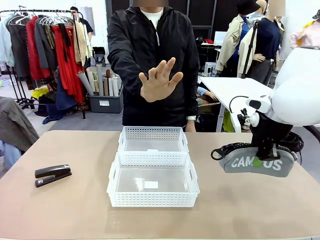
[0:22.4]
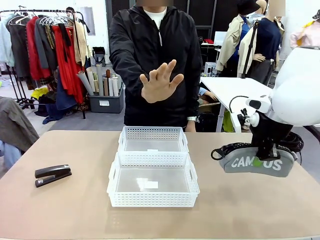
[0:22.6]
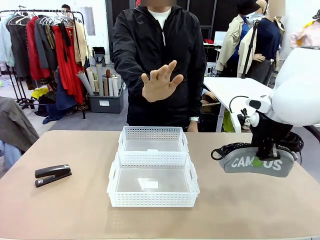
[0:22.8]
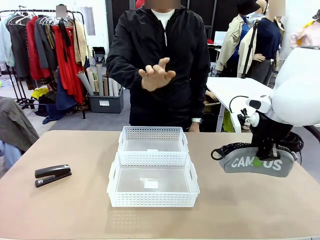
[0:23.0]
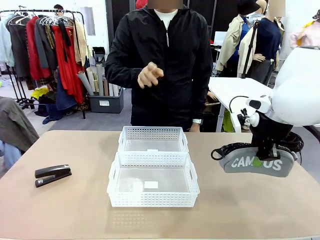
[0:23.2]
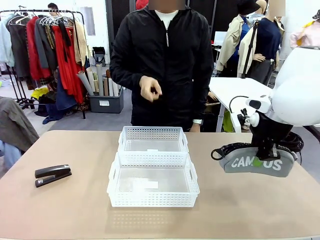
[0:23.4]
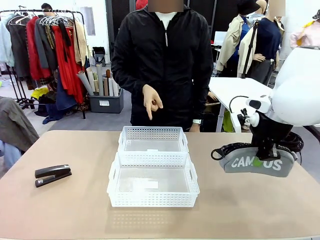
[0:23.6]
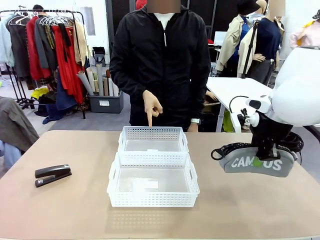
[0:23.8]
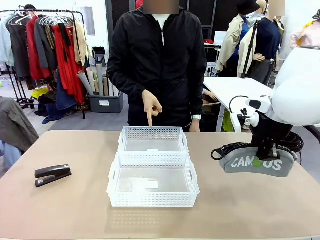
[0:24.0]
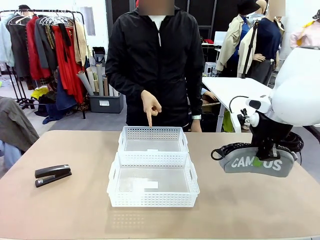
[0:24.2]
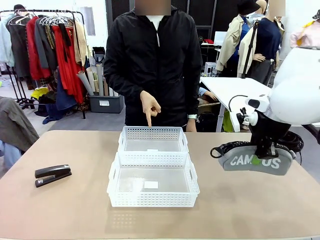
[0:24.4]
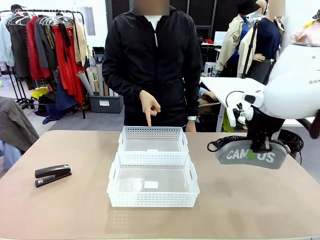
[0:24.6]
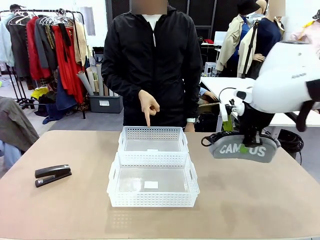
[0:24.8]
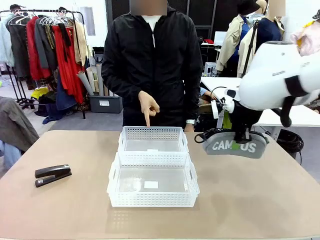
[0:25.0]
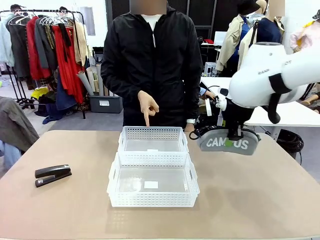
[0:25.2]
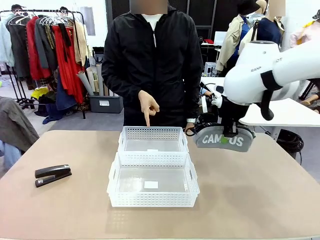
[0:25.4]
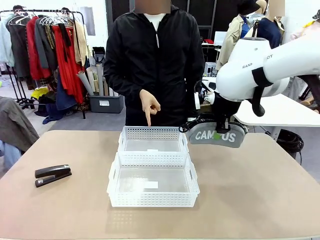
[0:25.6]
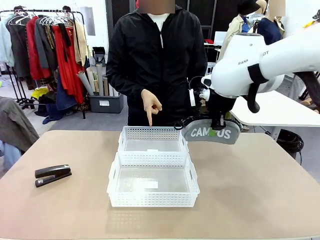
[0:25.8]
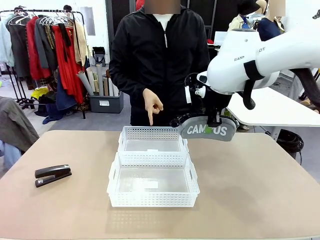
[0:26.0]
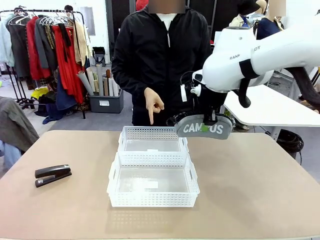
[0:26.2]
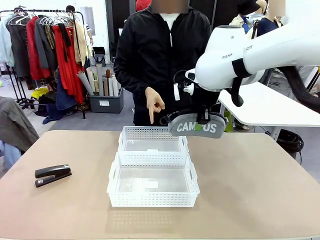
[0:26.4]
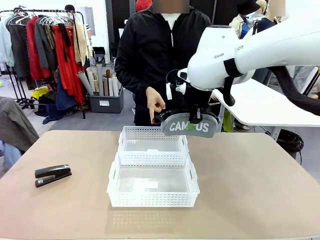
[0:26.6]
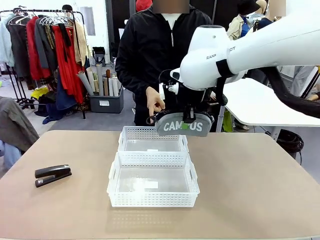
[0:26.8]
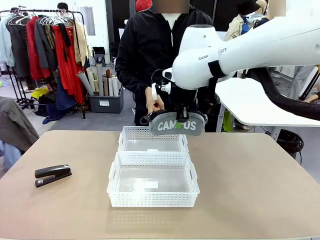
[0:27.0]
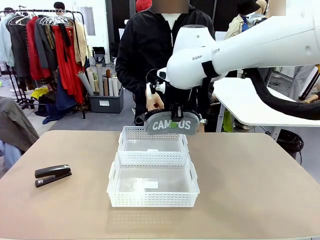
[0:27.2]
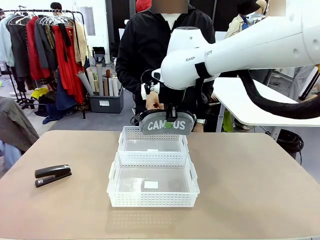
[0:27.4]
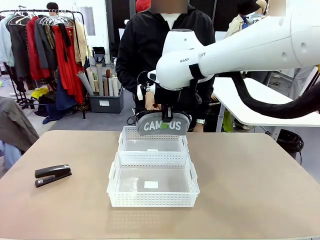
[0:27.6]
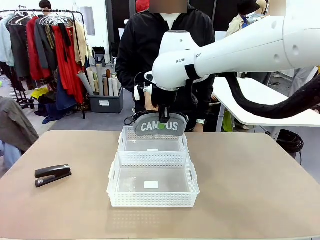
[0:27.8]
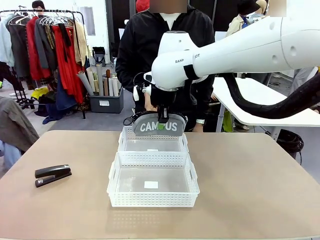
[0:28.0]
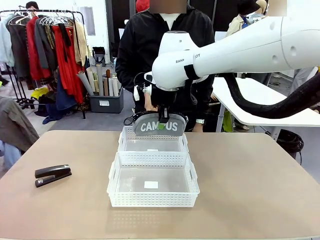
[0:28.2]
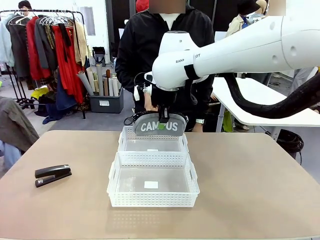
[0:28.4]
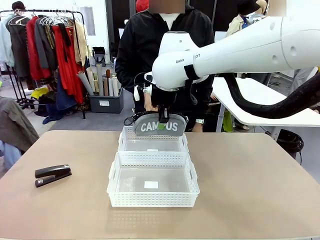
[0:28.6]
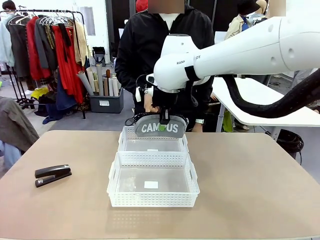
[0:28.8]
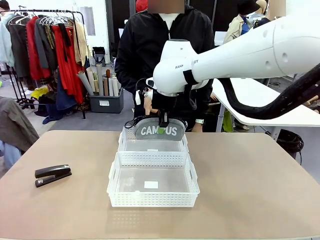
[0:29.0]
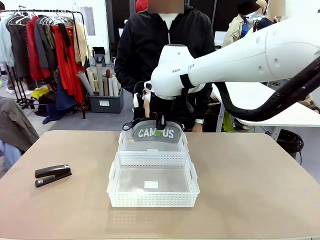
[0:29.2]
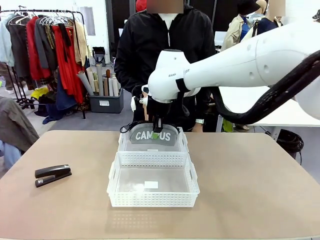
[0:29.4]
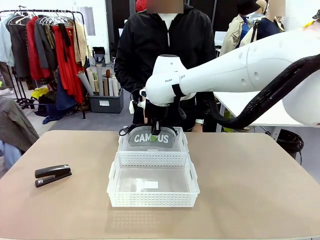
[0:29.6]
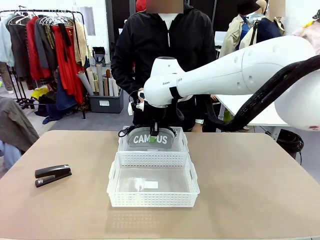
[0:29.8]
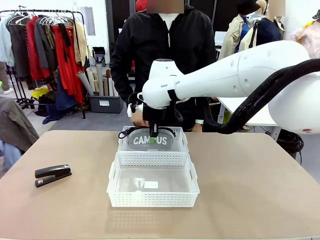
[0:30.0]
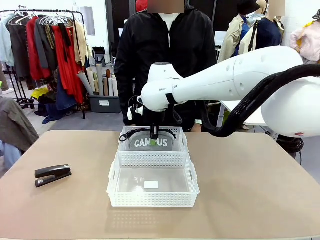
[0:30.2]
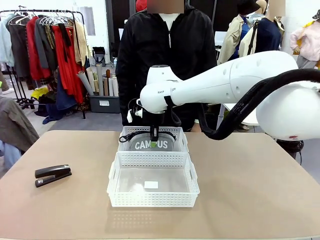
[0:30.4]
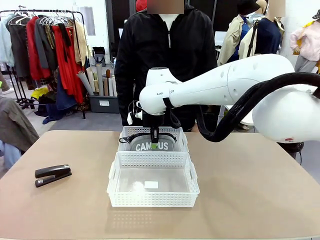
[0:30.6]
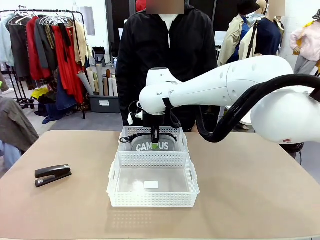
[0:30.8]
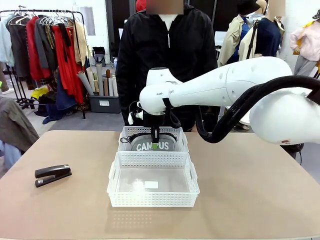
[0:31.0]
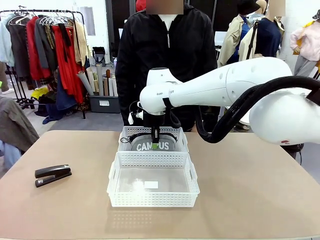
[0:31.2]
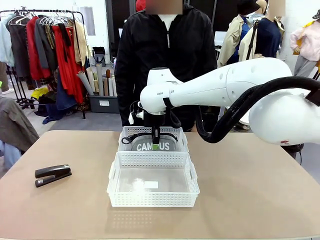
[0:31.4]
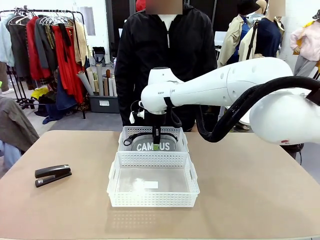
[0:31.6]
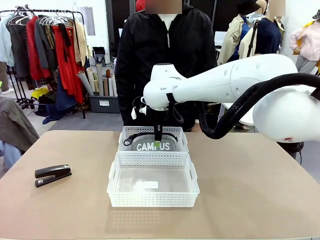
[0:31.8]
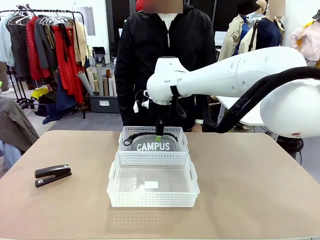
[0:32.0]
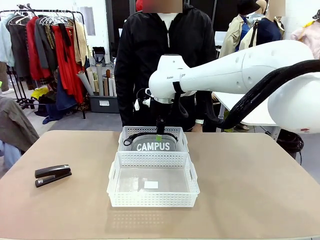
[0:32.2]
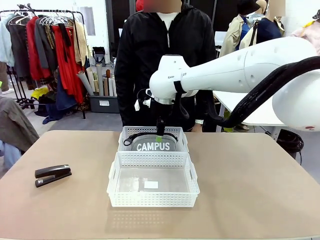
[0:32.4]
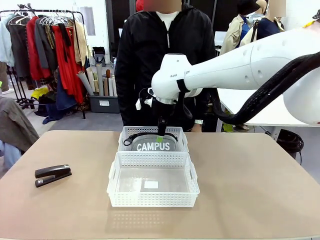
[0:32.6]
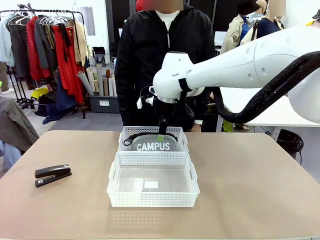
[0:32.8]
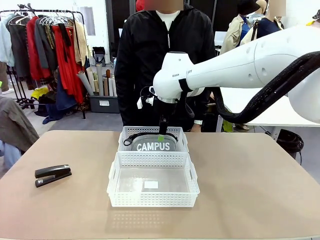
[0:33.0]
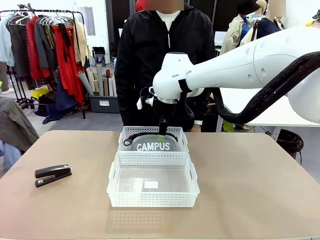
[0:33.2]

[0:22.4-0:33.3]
Task: Distribute items into two baskets.
Robot: Place the picked Pencil pouch into the Organizing basket as instructed by the person.
Person: Instructs the robot to place the pencil case into the opposite basket. Points to the stapler.

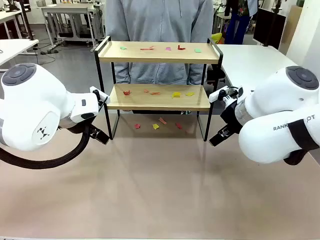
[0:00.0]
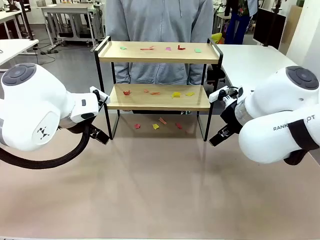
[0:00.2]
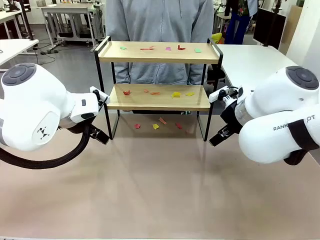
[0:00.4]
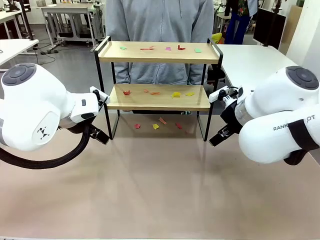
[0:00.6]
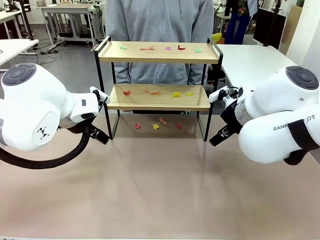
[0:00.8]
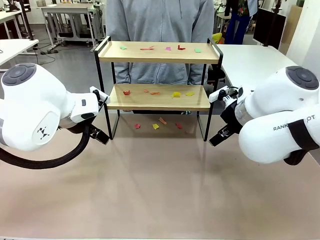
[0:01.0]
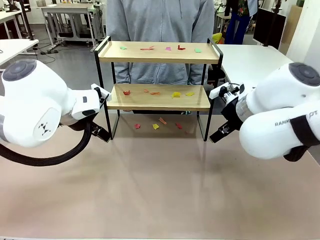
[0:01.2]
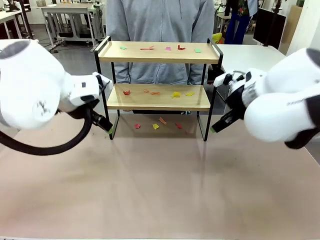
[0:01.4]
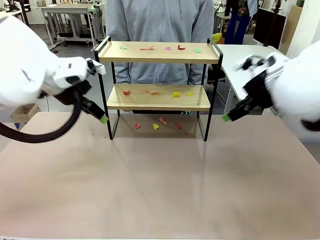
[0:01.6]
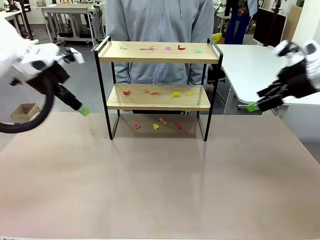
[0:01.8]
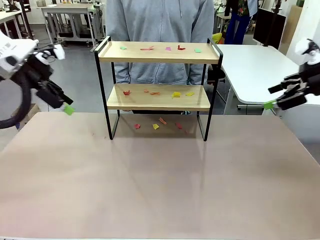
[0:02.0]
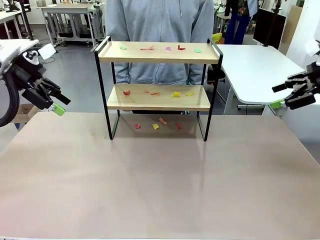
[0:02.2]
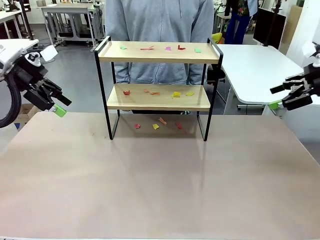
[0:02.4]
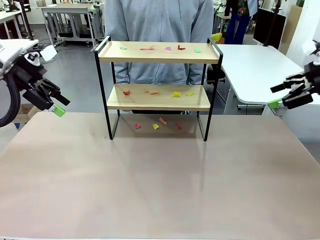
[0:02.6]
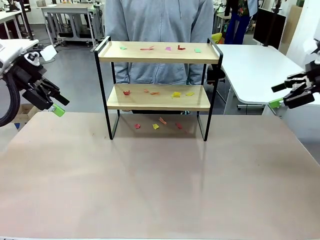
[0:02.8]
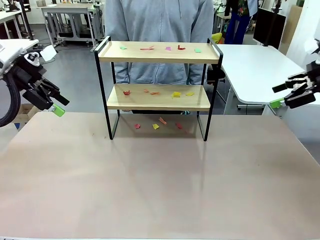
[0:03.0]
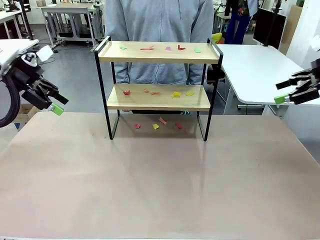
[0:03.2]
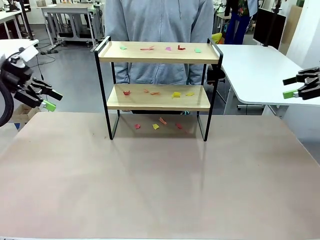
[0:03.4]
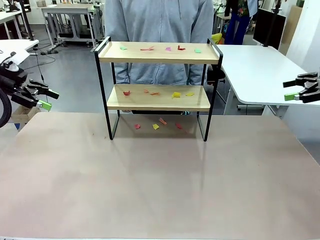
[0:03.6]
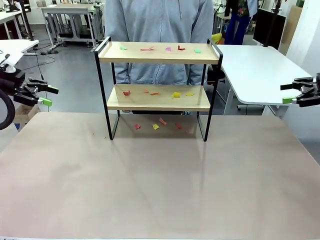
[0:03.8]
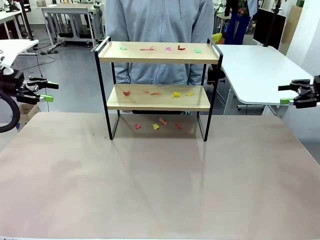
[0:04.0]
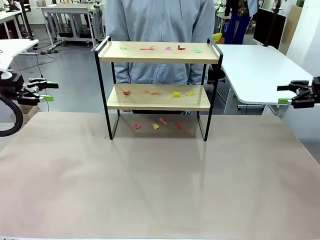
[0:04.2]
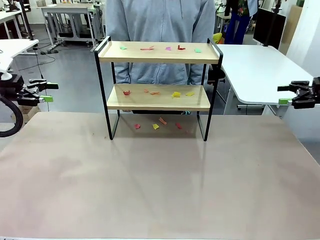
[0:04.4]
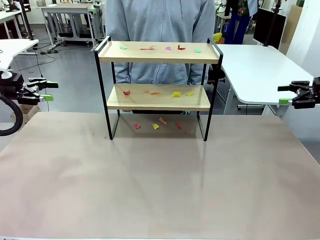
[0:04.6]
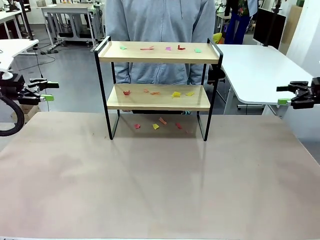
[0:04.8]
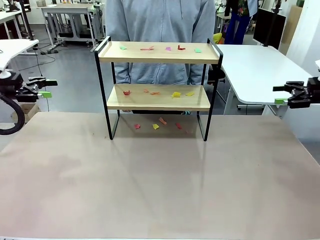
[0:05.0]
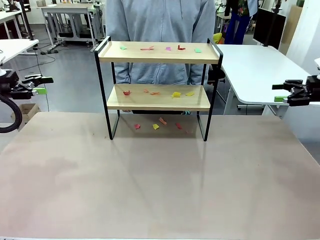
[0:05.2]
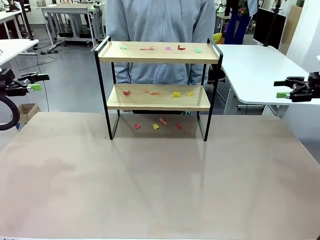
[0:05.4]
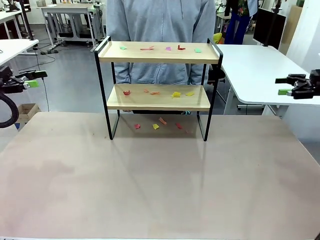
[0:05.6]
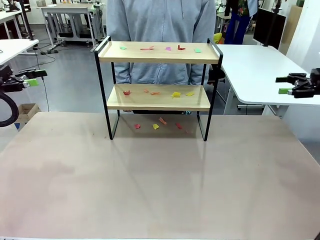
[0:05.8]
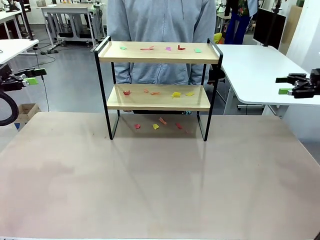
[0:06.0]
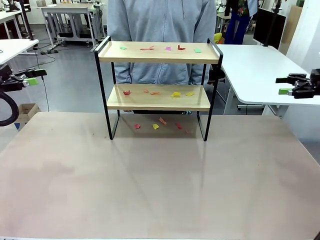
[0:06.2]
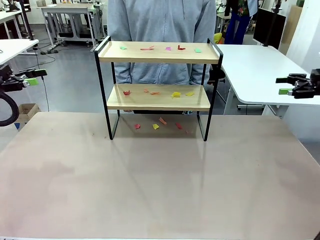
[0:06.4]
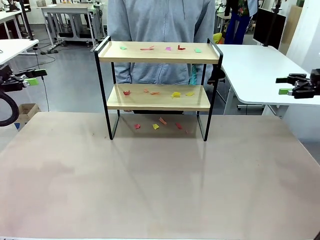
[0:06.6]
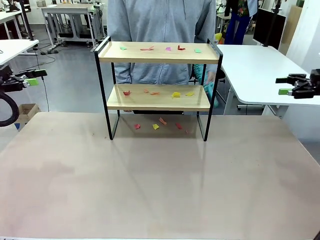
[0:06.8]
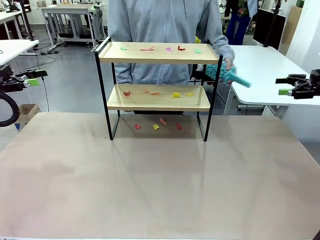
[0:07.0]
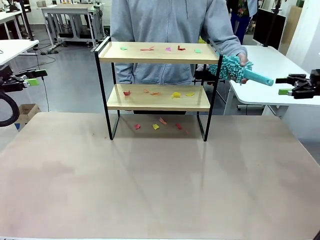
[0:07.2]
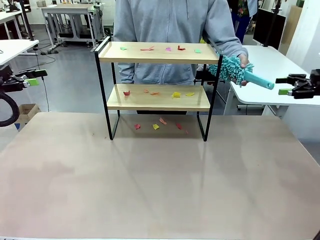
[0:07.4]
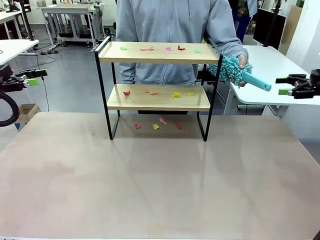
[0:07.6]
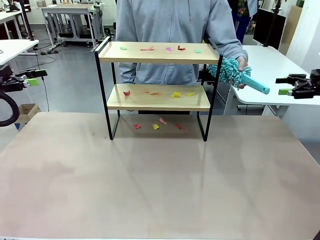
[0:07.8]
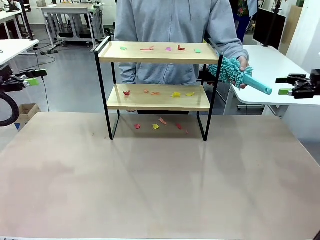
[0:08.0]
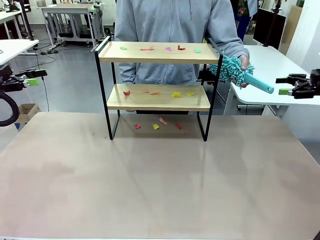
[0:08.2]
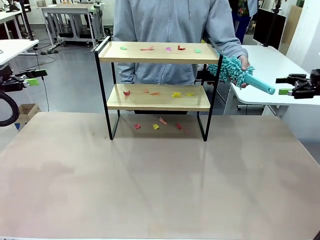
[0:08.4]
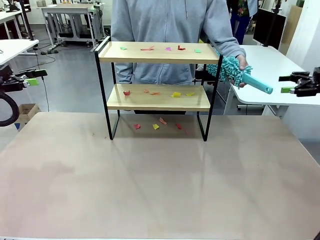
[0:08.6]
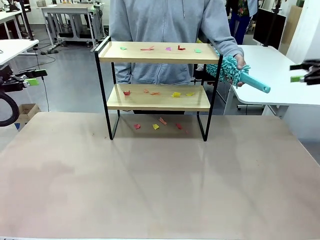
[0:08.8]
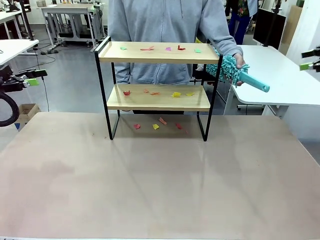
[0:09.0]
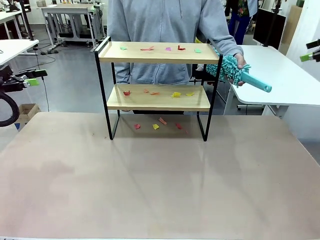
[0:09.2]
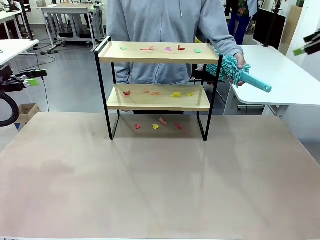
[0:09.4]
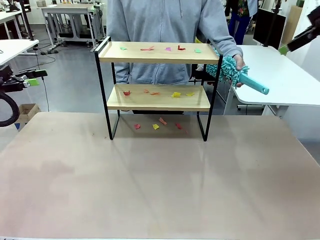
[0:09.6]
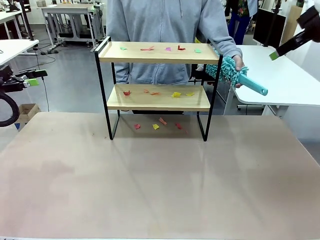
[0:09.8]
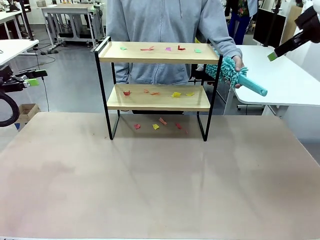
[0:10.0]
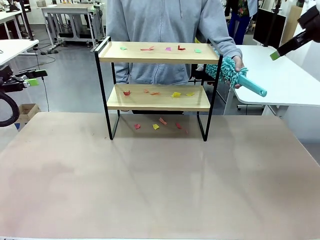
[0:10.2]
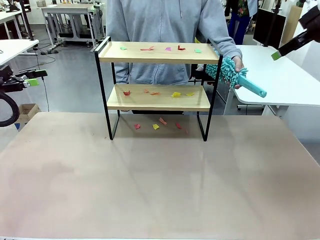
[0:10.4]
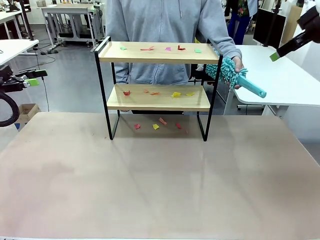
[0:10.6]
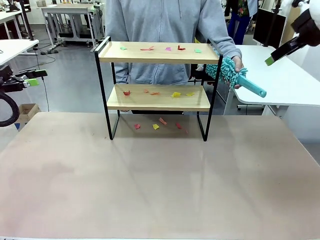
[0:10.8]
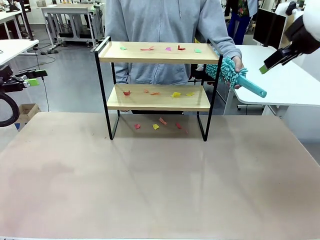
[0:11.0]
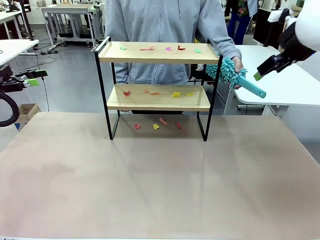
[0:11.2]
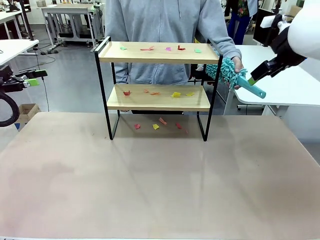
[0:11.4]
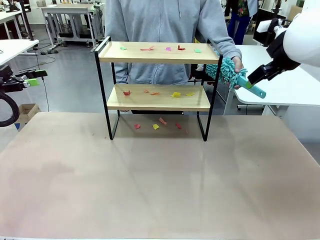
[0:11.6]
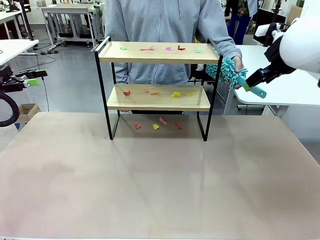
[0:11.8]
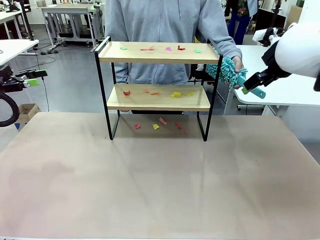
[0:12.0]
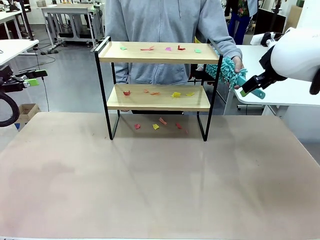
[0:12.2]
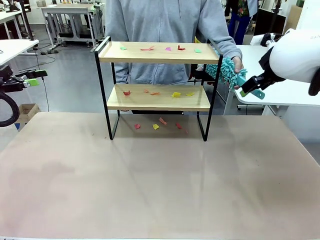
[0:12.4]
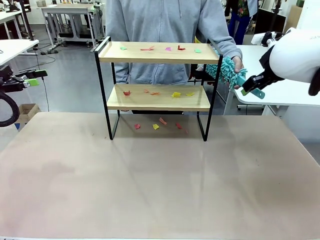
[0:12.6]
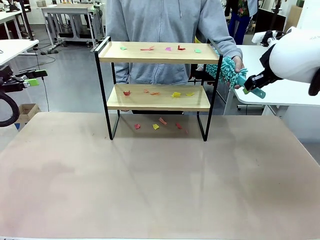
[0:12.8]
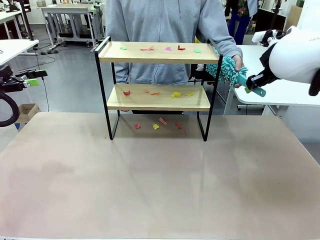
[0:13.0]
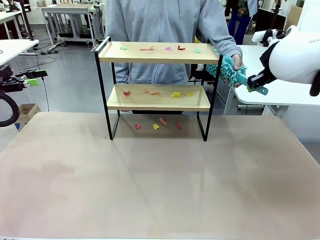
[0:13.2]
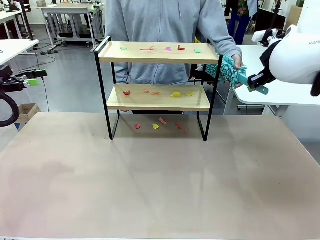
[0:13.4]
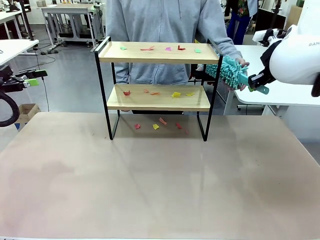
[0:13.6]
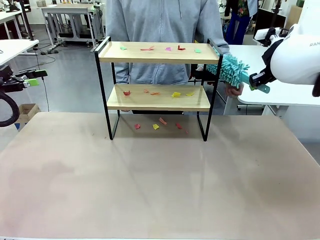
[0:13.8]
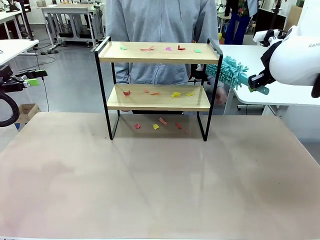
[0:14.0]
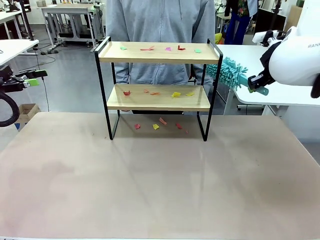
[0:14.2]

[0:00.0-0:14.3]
Task: Clean the shelf.
Robot: Pick up the Duster handed by the human.
Person: Hand the Duster to the robot.
